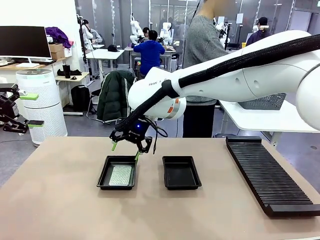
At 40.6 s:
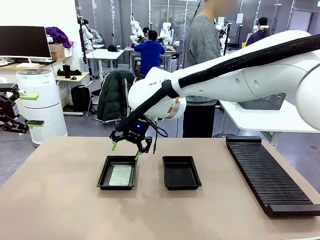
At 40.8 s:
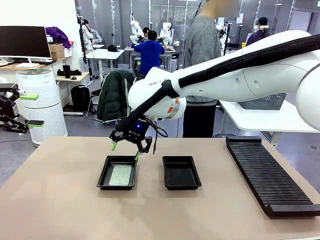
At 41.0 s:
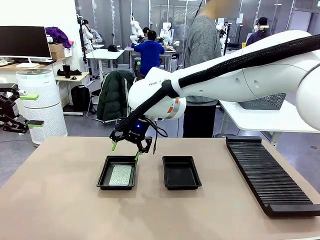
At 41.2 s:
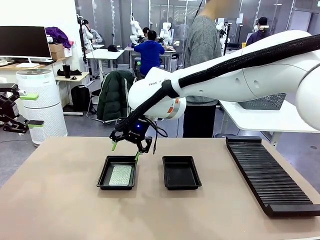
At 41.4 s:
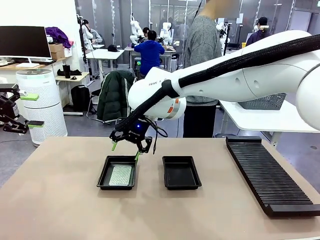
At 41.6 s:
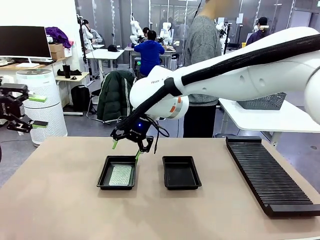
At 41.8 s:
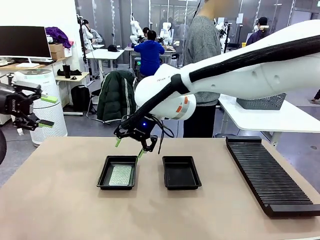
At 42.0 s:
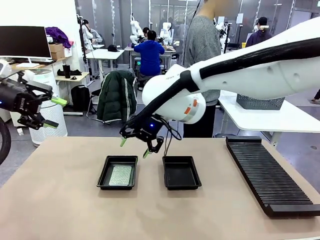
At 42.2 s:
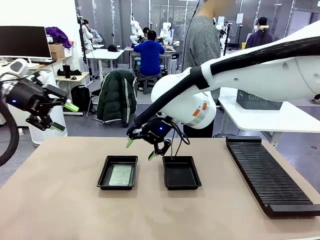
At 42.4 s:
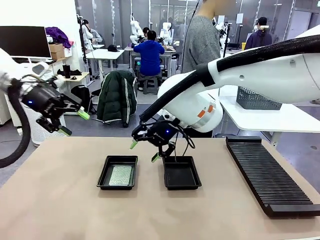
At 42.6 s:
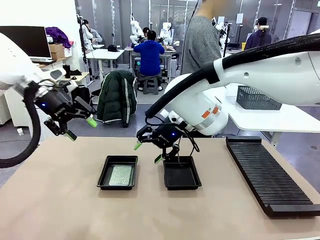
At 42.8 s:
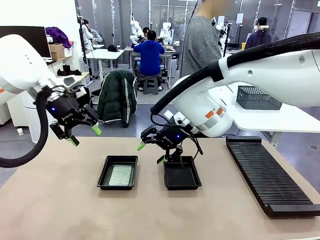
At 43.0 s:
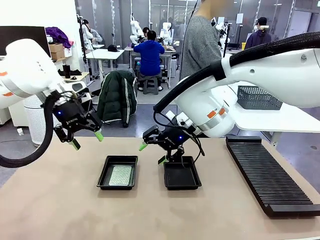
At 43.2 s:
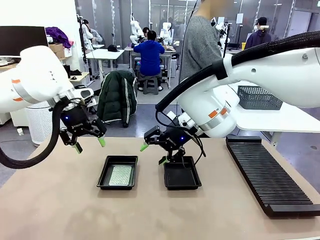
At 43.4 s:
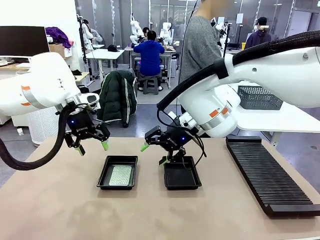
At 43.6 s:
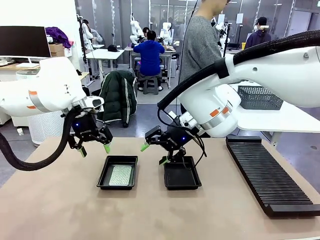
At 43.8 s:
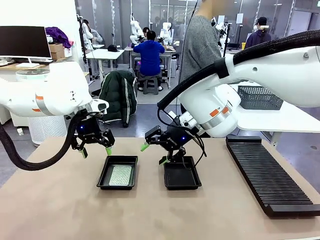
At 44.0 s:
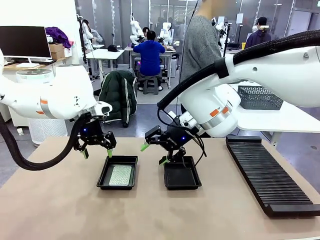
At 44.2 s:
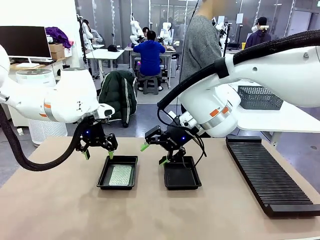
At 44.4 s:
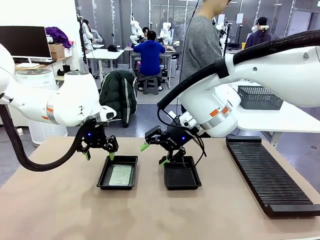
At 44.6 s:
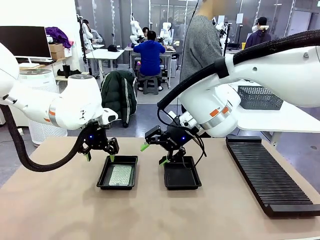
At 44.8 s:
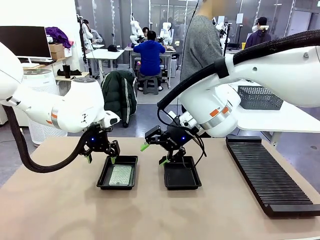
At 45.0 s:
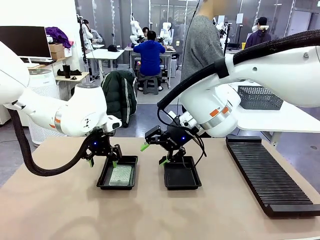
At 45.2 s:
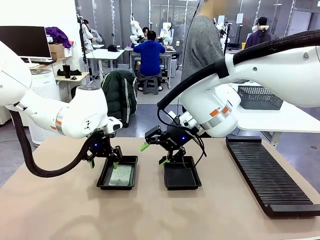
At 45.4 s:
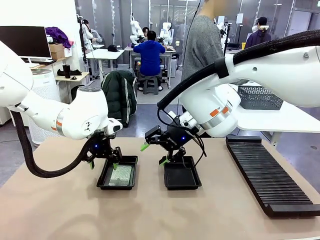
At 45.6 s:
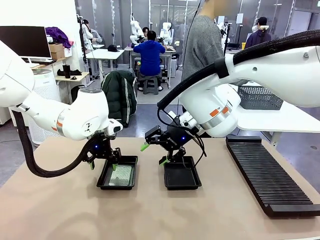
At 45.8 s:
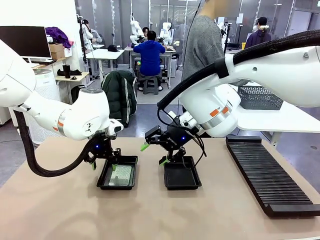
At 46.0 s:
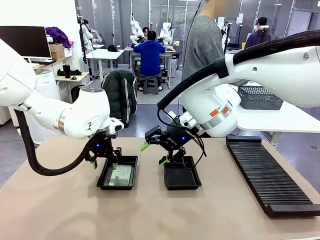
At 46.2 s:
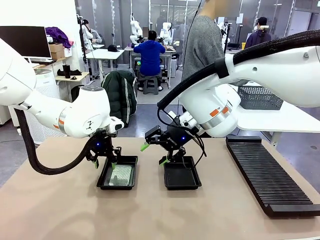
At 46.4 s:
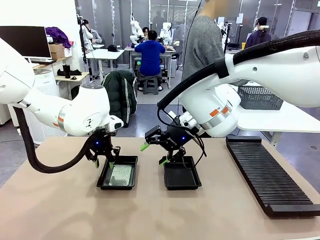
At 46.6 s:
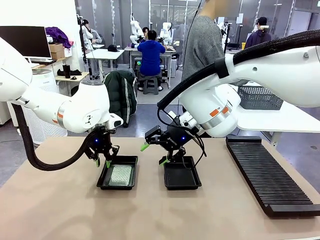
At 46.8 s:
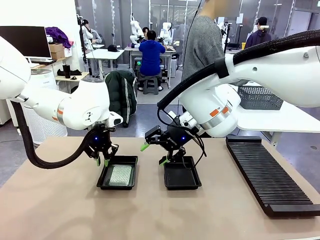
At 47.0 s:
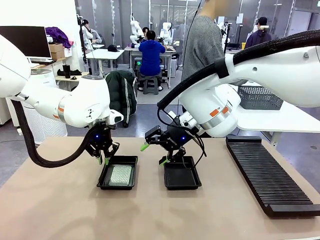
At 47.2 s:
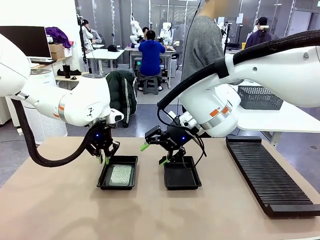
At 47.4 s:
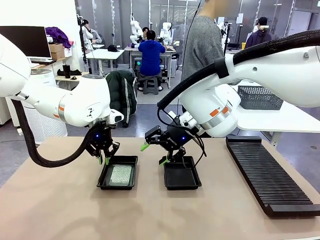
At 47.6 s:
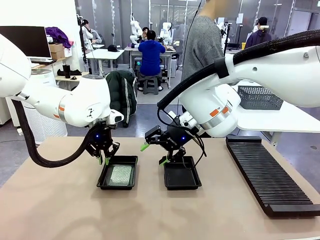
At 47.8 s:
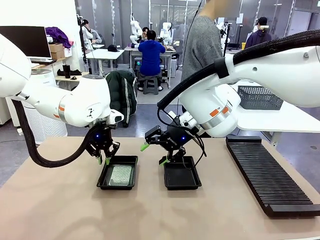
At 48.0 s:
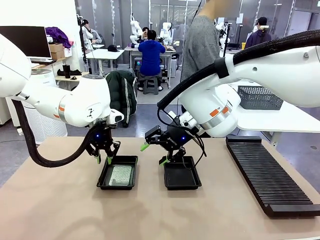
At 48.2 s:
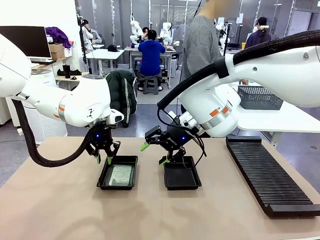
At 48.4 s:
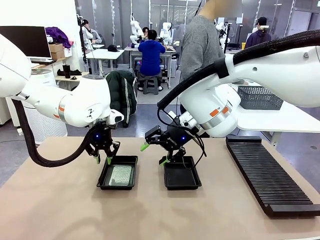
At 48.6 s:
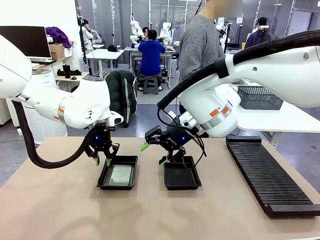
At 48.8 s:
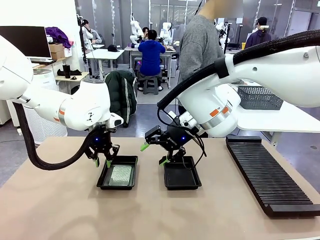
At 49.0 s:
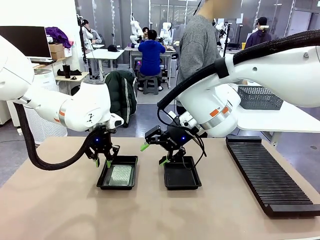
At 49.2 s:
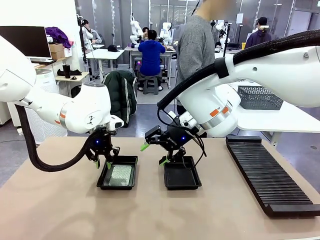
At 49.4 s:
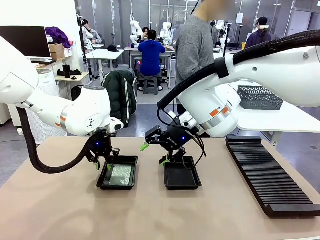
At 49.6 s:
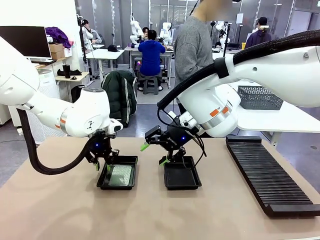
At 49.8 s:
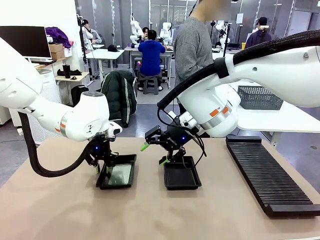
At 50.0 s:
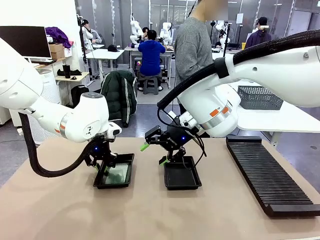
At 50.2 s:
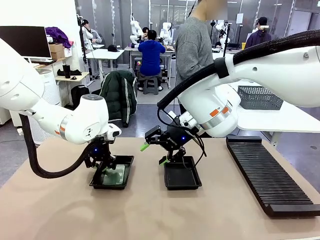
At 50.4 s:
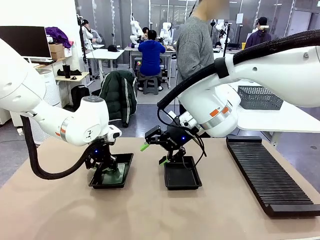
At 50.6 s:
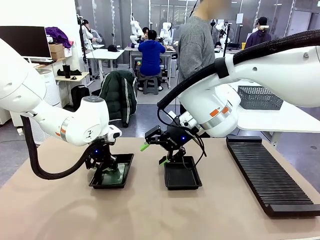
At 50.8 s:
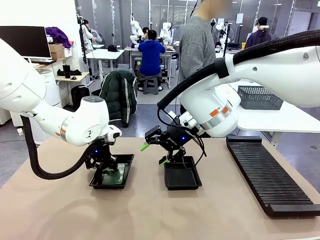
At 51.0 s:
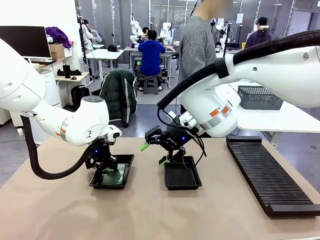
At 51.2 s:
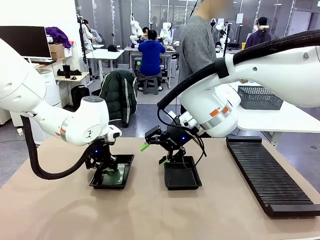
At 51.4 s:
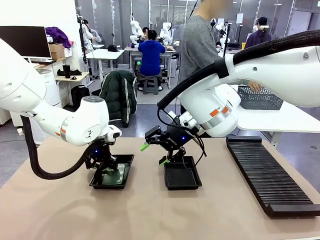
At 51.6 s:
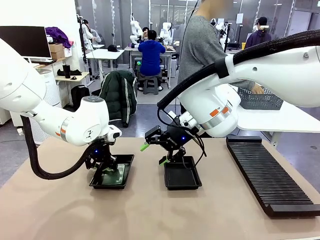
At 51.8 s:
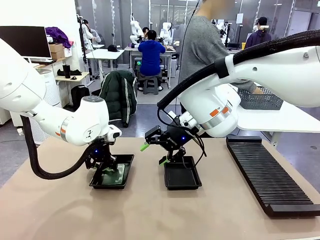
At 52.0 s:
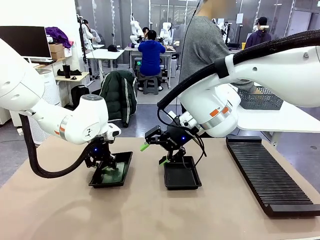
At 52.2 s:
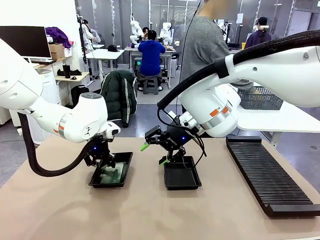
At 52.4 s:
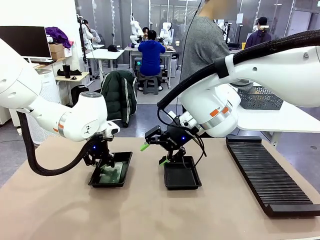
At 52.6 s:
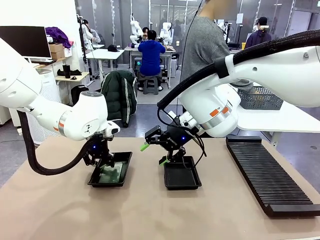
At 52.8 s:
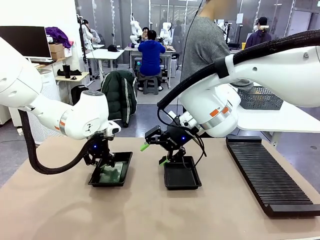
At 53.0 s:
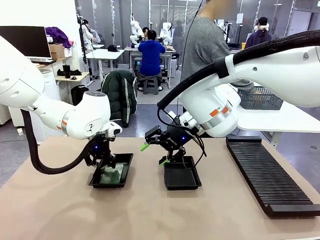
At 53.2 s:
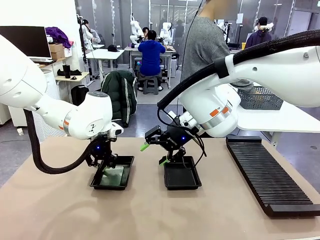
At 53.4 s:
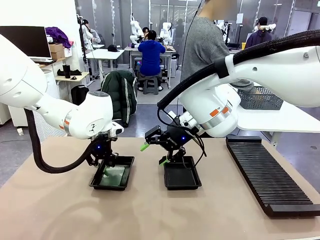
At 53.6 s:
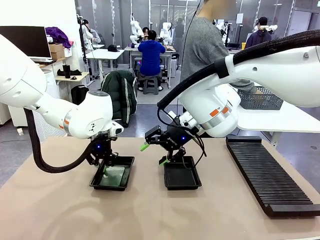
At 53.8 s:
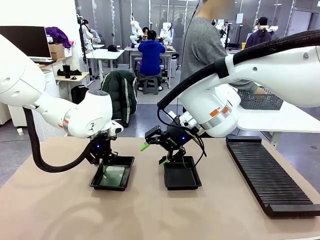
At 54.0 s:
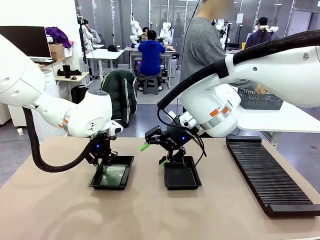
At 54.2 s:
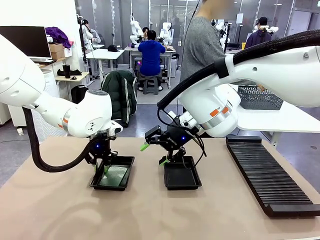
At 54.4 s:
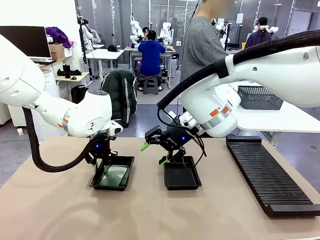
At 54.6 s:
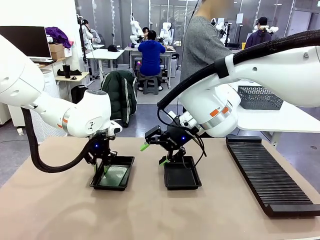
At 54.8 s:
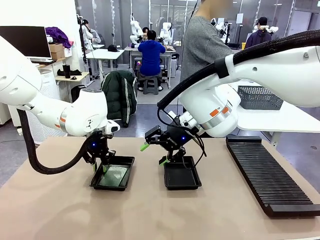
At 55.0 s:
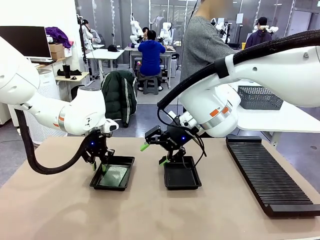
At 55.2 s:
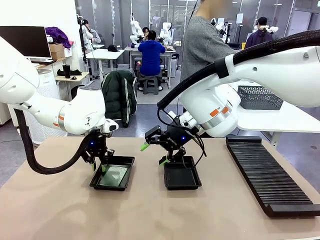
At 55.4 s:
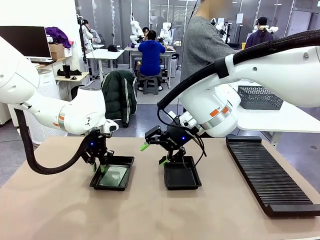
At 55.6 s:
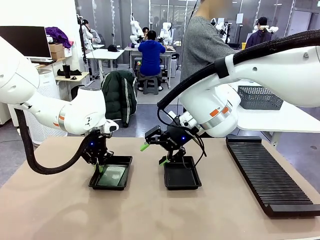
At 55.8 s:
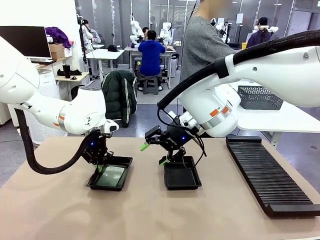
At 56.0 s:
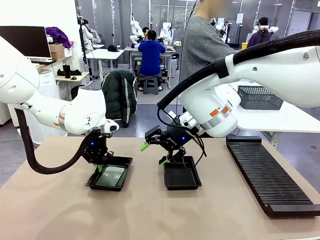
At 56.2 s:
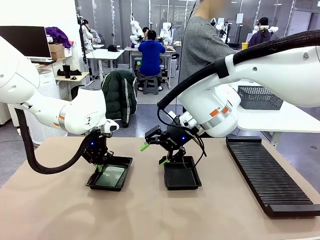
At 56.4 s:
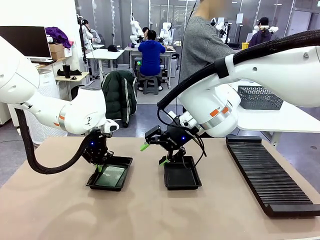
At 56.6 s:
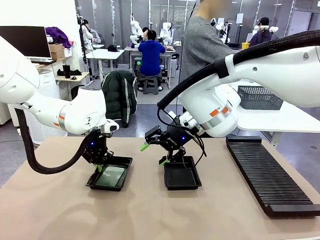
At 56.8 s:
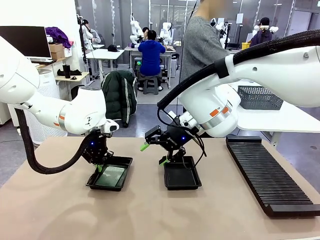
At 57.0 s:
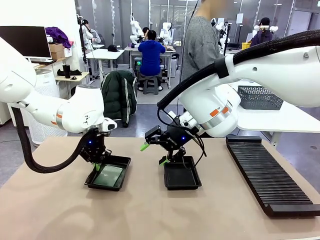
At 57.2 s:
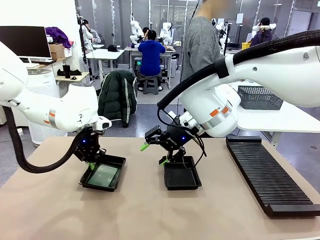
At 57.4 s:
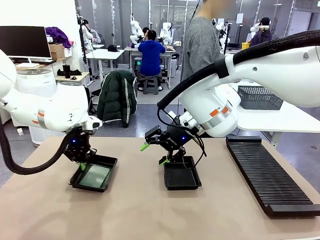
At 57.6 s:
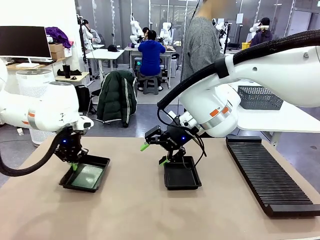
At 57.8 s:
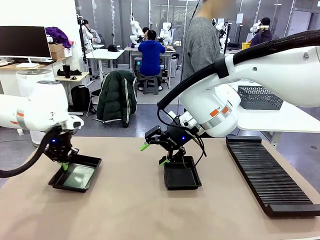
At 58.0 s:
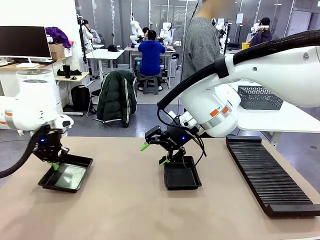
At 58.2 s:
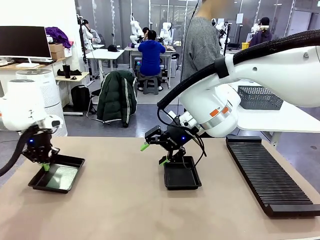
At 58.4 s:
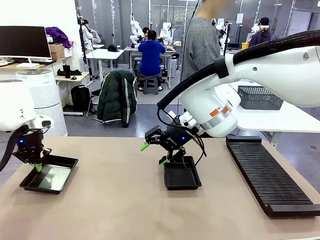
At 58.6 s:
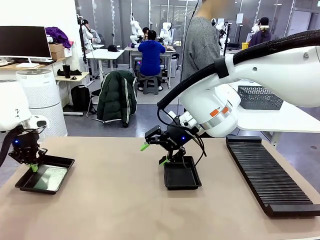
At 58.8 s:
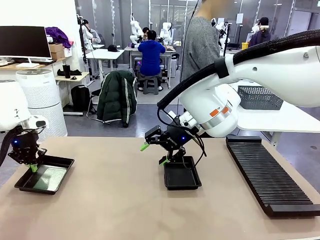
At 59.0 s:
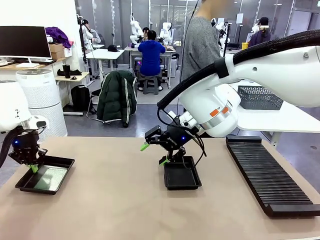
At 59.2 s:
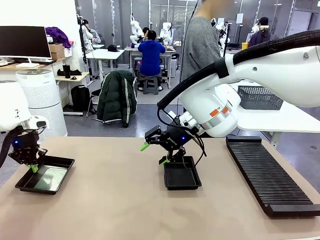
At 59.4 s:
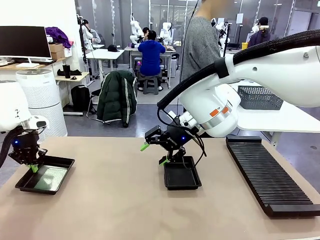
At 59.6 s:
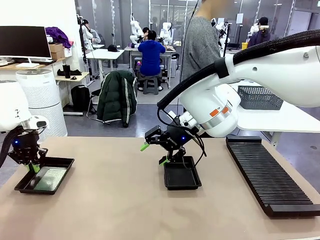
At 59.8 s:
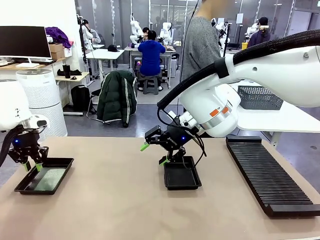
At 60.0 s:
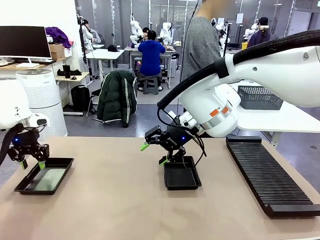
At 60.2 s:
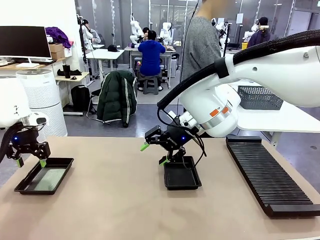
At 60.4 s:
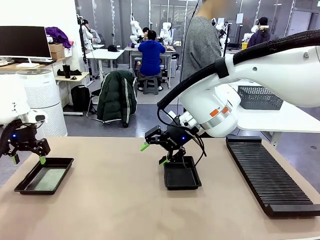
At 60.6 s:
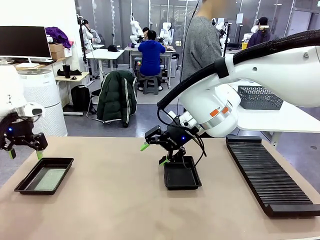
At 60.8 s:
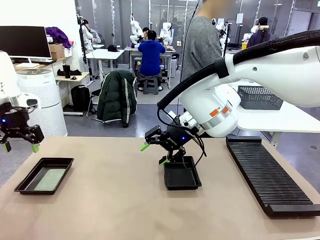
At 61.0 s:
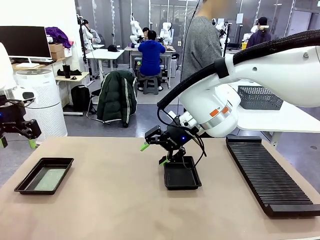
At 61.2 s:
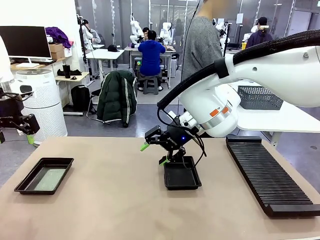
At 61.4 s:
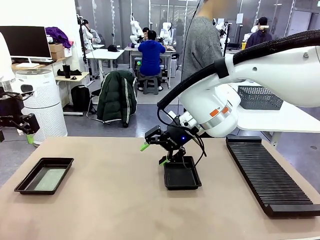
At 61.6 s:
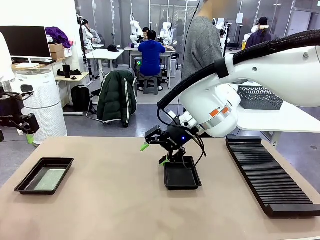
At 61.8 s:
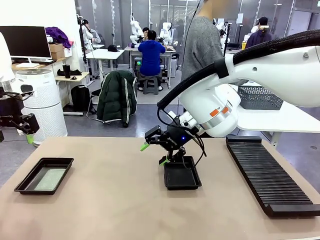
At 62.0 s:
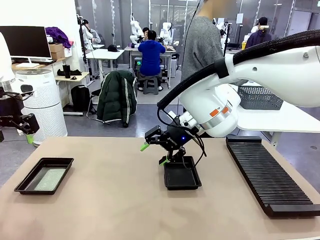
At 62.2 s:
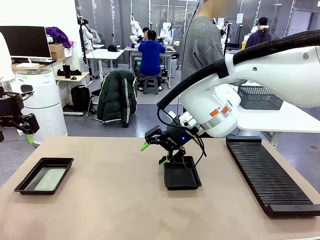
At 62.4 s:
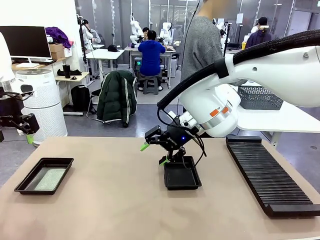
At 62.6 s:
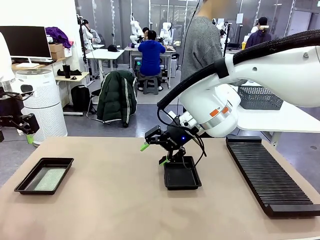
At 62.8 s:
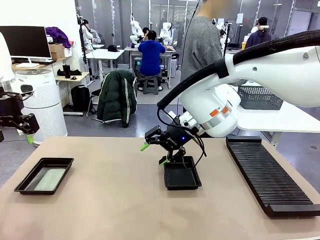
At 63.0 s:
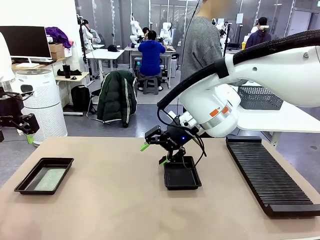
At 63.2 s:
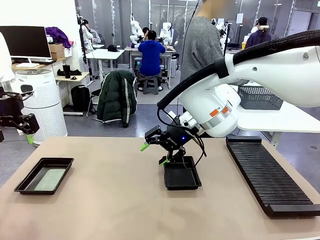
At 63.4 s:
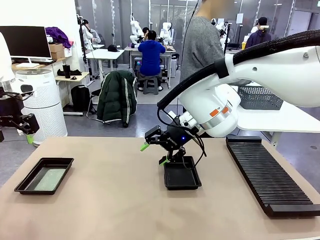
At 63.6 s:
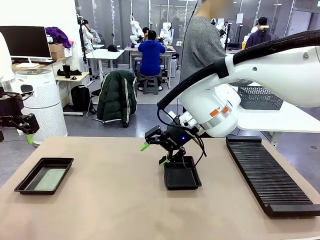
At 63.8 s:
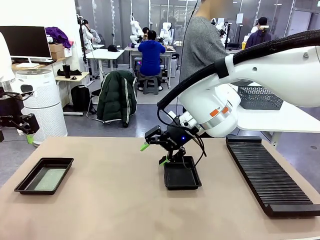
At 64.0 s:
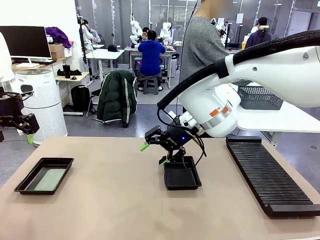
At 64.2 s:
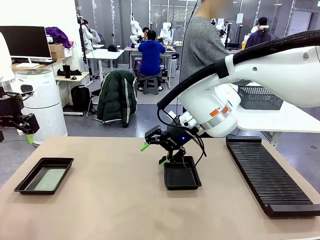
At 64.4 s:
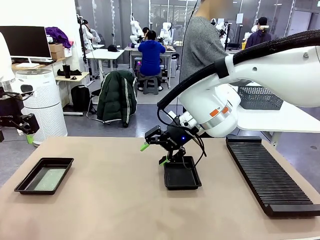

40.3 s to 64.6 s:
Task: Inspect and transfer BCBs to ESD trays.
Robot: Pick up the ESD tray and place it on the left side of the table.
